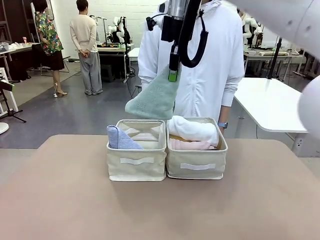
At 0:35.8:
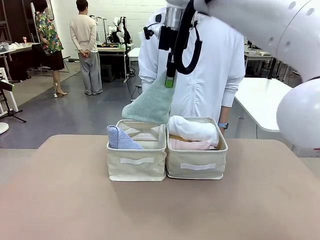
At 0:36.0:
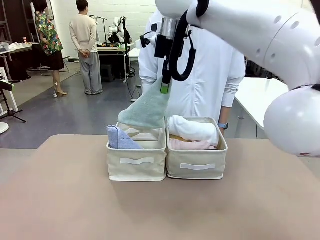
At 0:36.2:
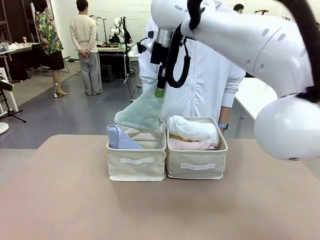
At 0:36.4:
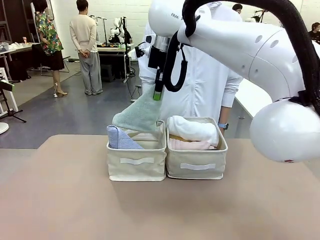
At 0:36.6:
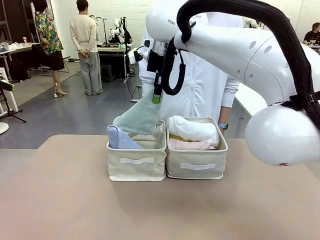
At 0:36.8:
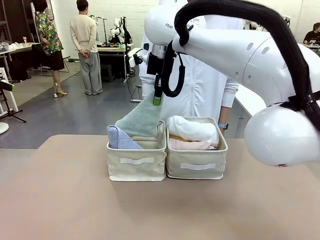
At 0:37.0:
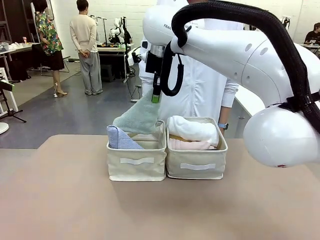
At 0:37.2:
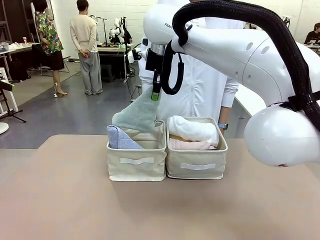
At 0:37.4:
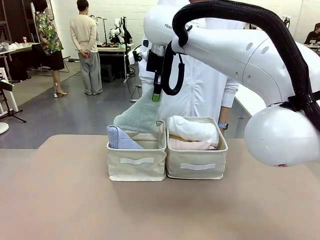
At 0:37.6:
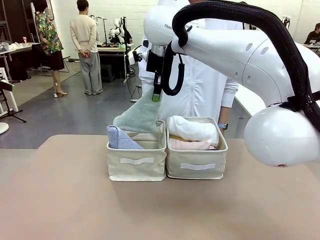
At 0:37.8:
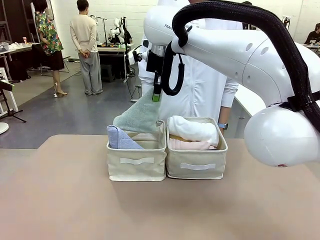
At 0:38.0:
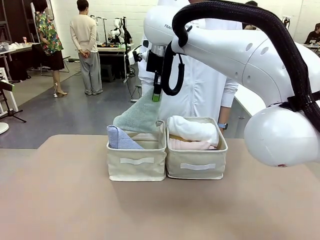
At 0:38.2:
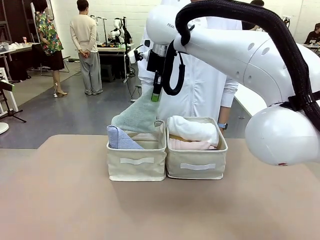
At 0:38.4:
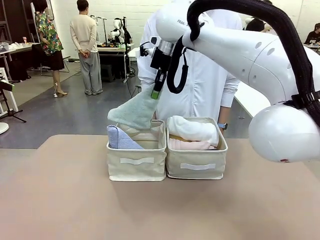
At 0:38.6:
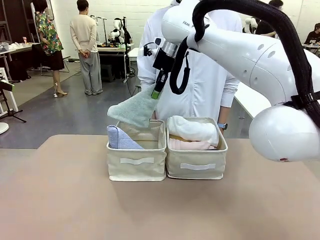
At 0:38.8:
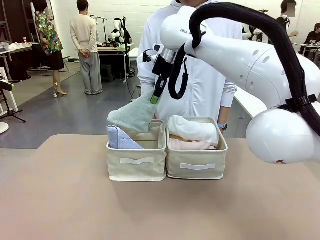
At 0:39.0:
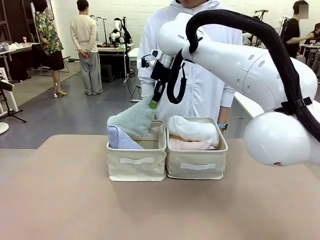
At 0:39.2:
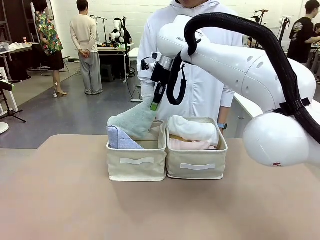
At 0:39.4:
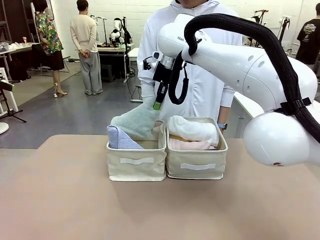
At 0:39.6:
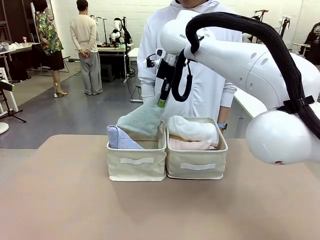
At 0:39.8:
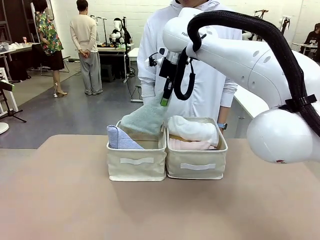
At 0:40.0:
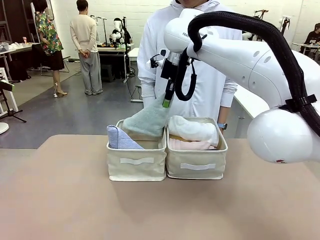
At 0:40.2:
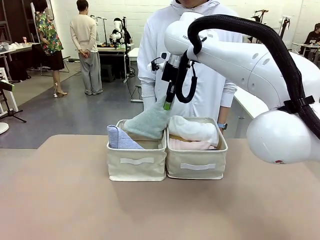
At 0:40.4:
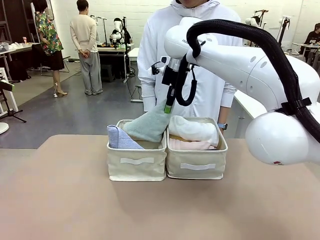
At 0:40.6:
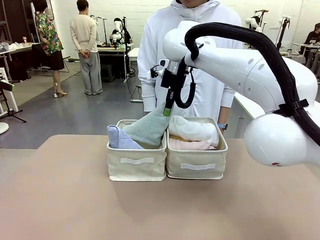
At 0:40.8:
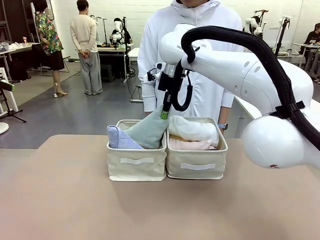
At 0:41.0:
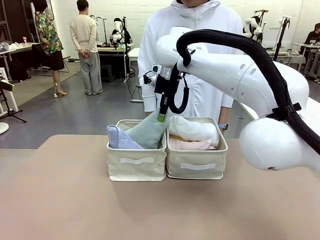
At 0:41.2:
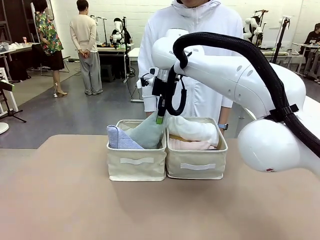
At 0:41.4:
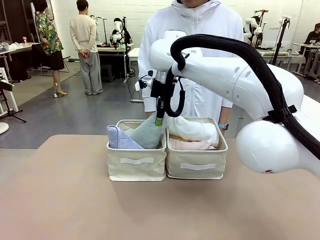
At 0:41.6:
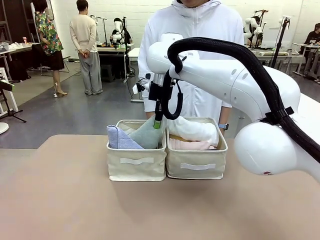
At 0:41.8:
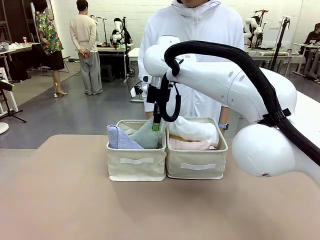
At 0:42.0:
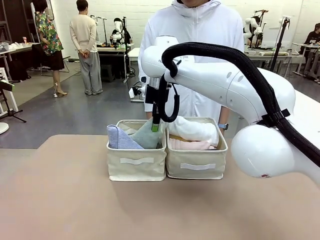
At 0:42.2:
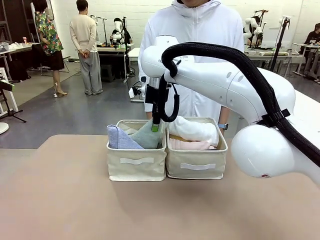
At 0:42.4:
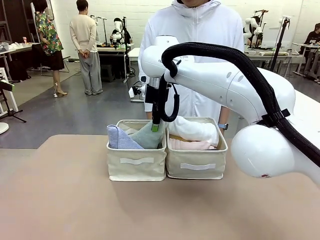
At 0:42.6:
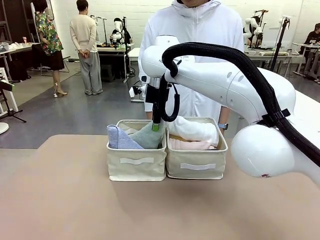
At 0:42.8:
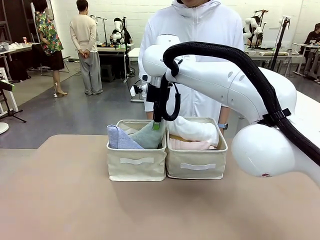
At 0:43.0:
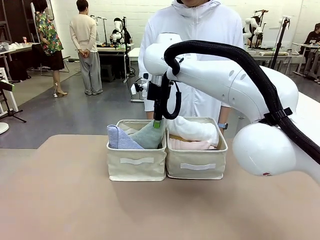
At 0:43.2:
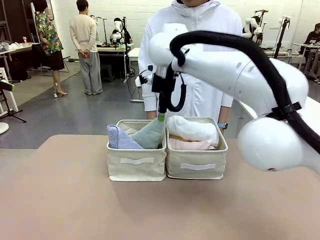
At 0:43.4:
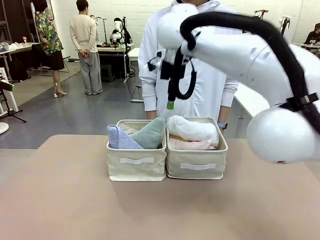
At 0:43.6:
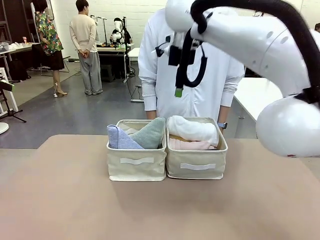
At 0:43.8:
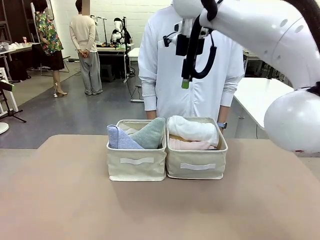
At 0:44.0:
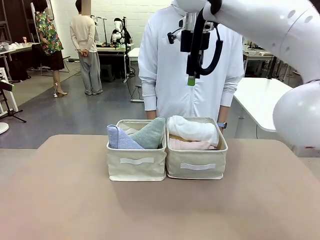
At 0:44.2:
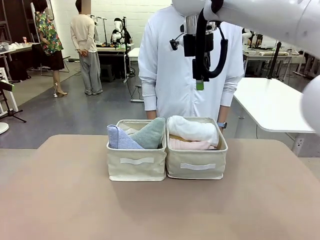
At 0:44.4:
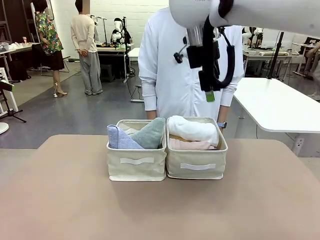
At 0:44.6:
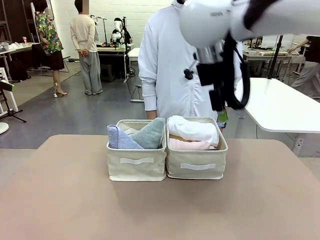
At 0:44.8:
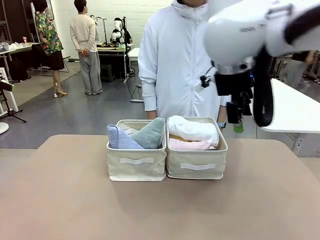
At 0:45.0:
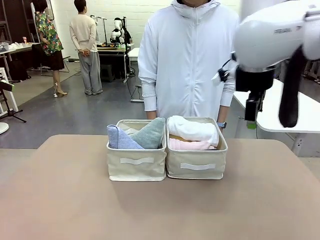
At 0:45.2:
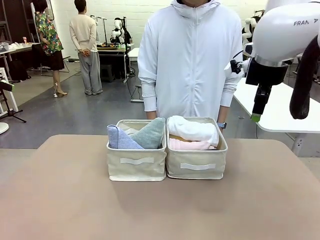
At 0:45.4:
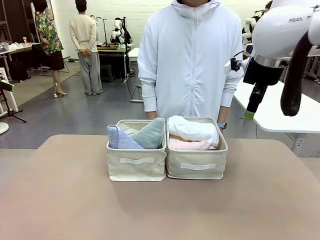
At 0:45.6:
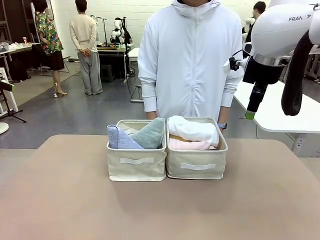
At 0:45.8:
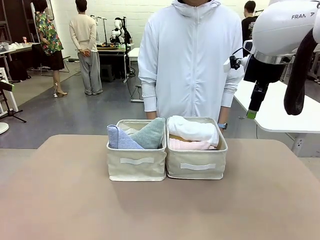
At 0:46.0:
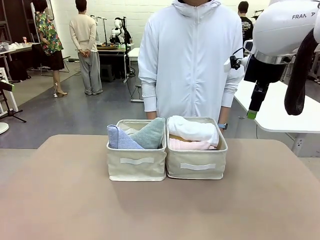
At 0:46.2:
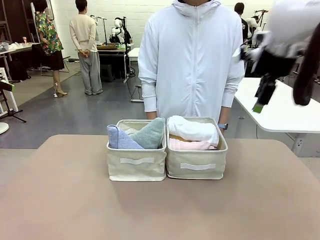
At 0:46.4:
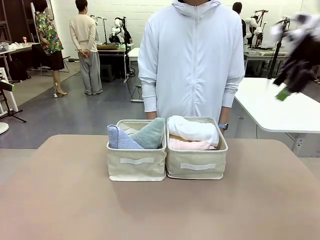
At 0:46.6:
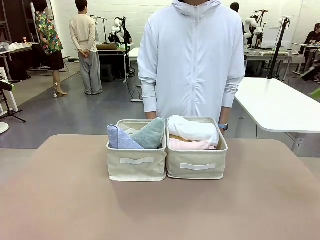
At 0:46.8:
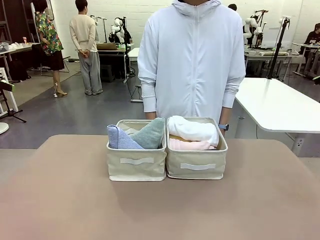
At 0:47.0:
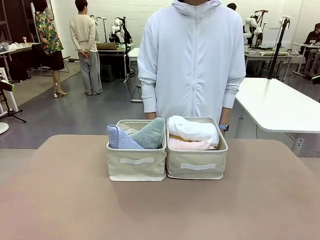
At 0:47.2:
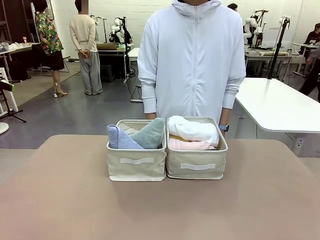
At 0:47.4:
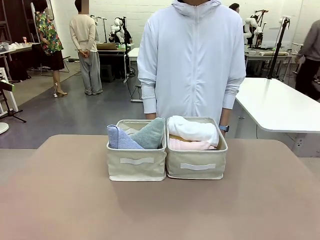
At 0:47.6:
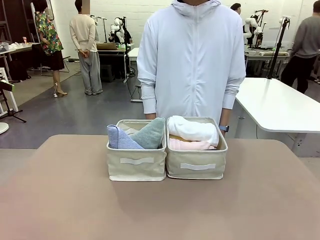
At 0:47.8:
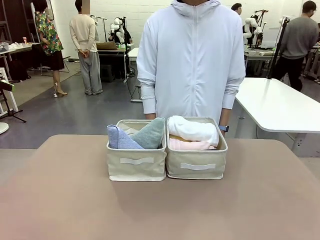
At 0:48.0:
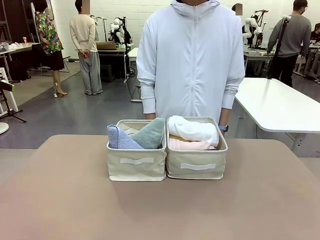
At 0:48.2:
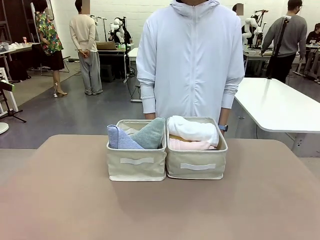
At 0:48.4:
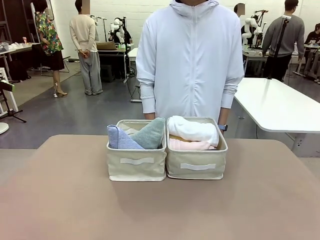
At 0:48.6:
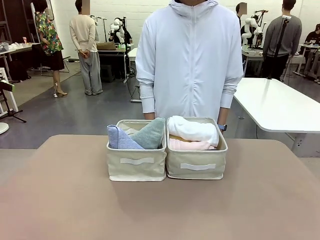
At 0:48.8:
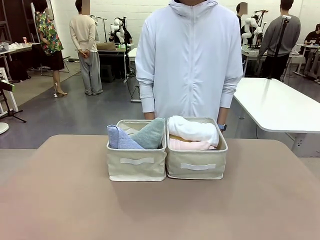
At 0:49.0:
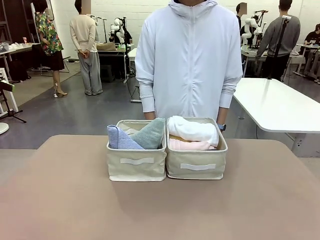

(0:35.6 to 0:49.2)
Task: Sort the towels based on their folding style.
Robot: Pick up another triangle-folded towel from the table and place it in the left Fabric basket.
